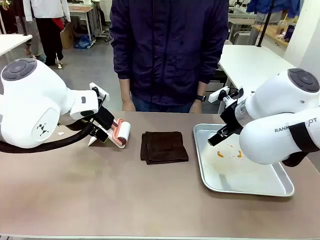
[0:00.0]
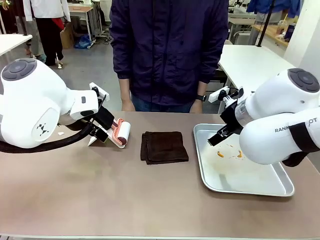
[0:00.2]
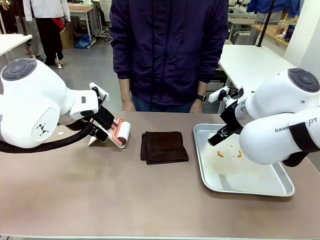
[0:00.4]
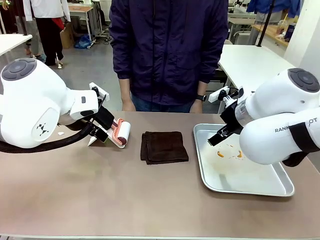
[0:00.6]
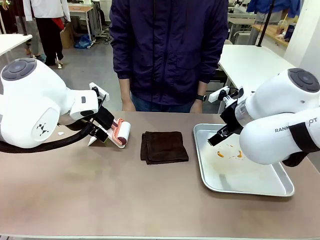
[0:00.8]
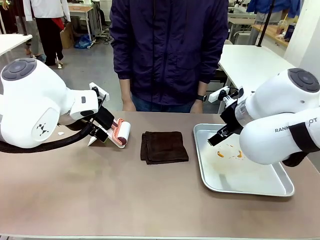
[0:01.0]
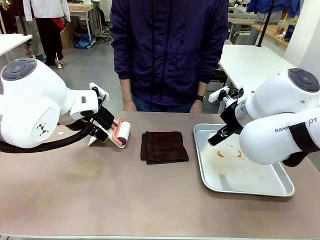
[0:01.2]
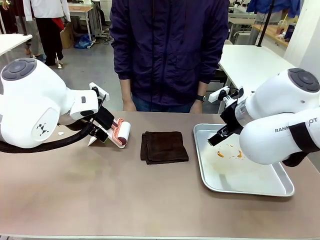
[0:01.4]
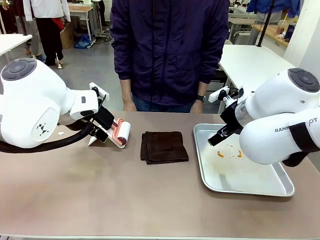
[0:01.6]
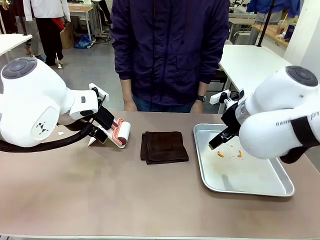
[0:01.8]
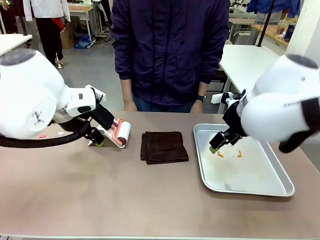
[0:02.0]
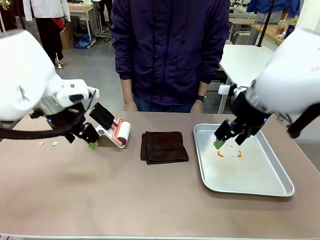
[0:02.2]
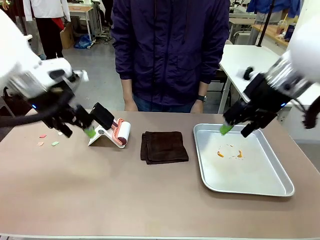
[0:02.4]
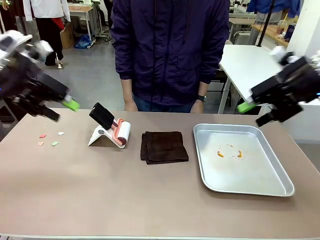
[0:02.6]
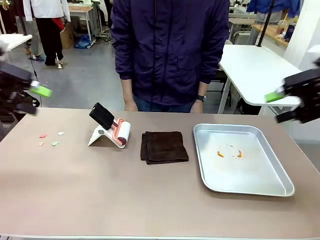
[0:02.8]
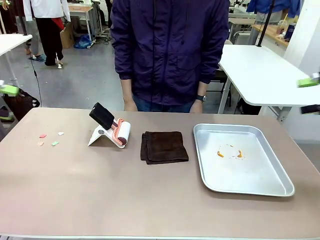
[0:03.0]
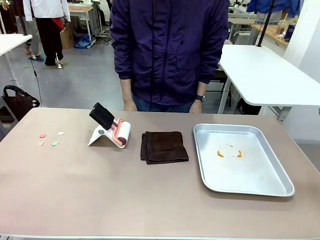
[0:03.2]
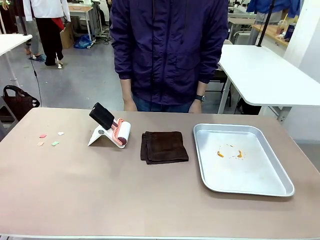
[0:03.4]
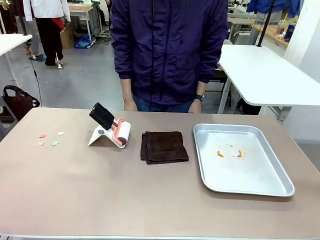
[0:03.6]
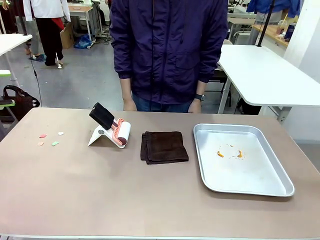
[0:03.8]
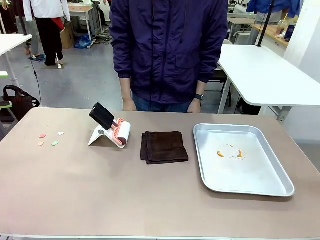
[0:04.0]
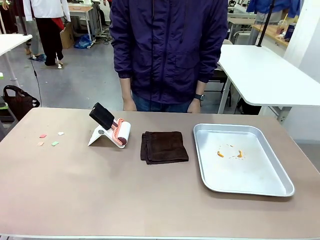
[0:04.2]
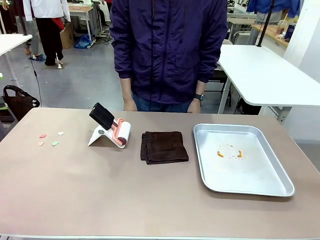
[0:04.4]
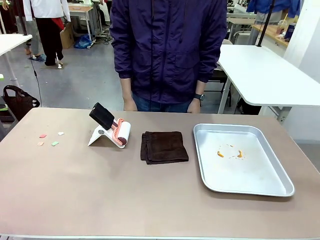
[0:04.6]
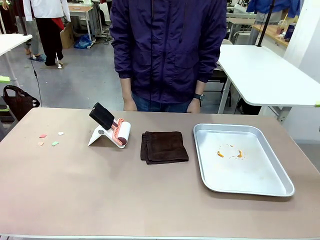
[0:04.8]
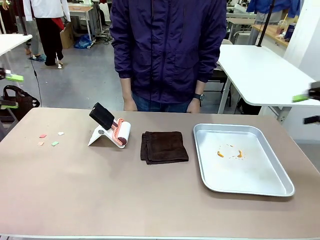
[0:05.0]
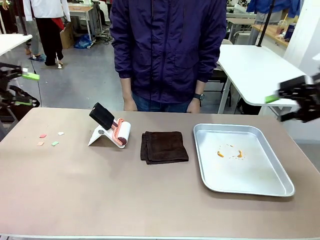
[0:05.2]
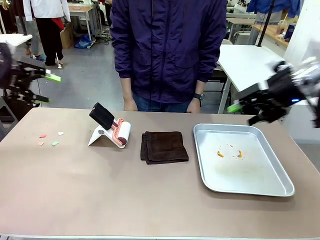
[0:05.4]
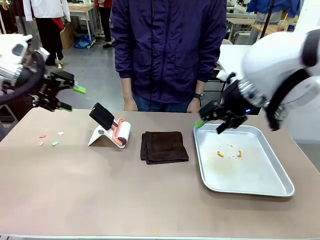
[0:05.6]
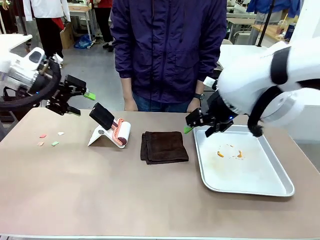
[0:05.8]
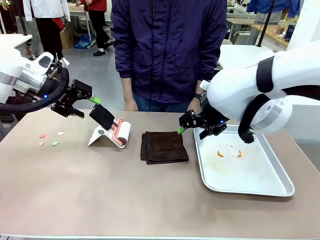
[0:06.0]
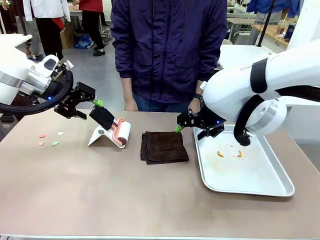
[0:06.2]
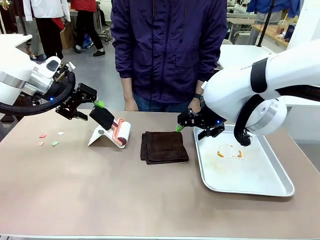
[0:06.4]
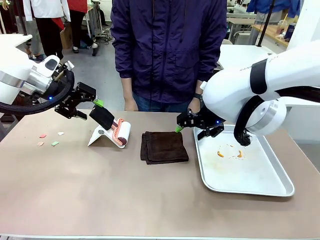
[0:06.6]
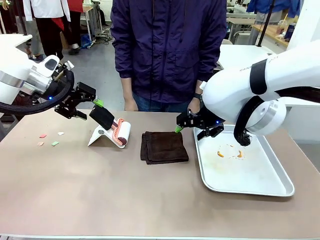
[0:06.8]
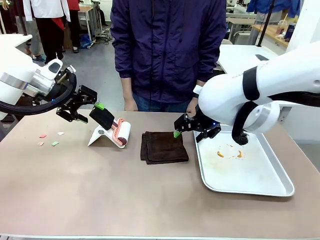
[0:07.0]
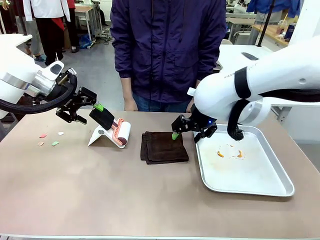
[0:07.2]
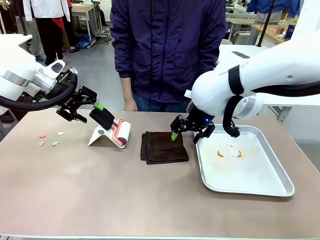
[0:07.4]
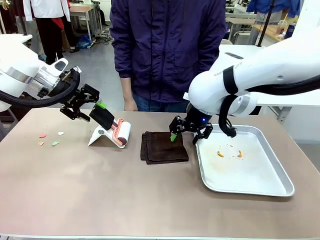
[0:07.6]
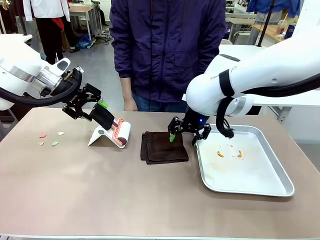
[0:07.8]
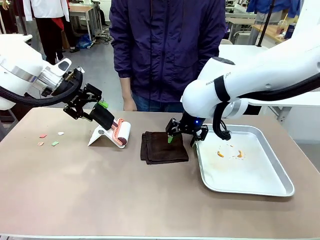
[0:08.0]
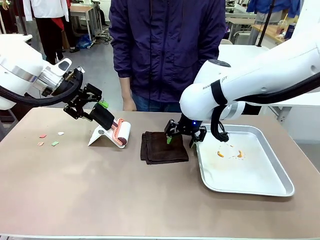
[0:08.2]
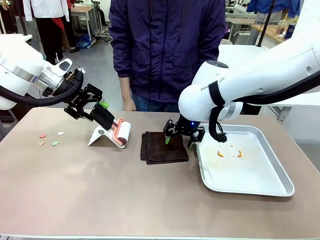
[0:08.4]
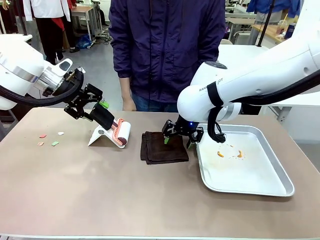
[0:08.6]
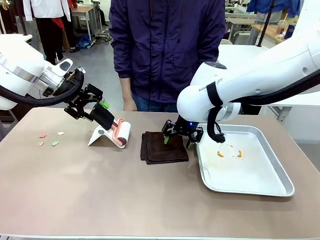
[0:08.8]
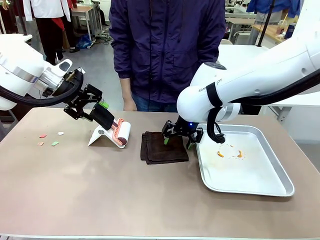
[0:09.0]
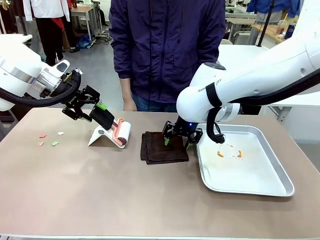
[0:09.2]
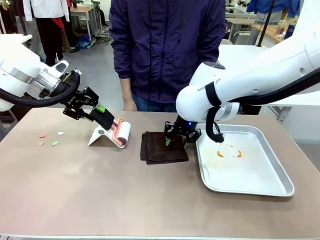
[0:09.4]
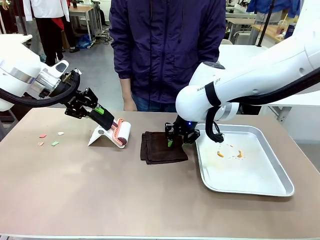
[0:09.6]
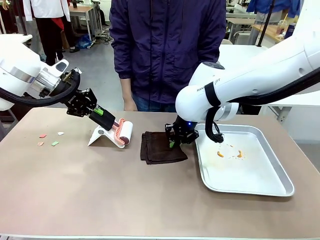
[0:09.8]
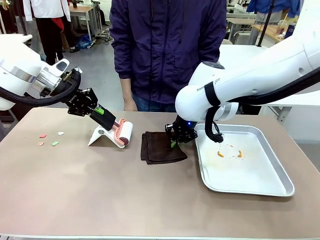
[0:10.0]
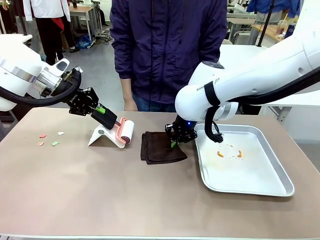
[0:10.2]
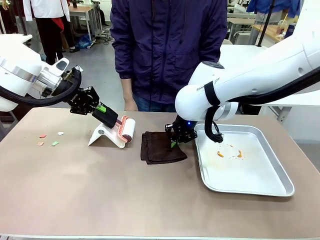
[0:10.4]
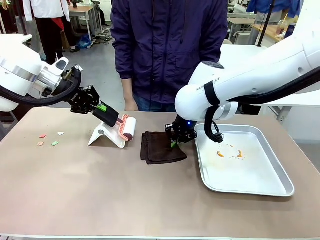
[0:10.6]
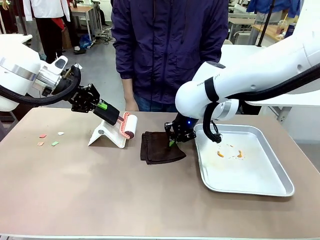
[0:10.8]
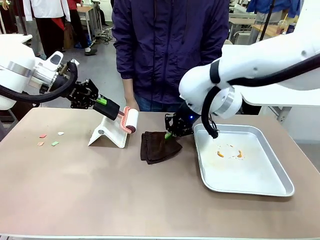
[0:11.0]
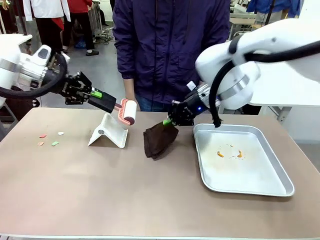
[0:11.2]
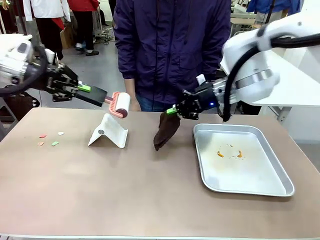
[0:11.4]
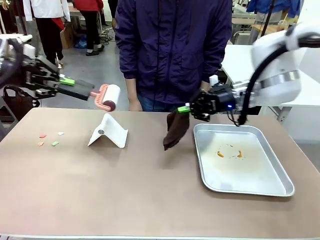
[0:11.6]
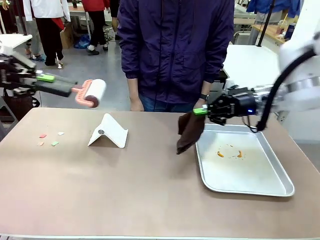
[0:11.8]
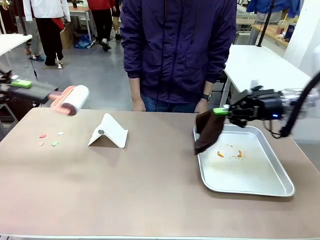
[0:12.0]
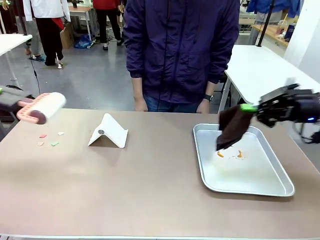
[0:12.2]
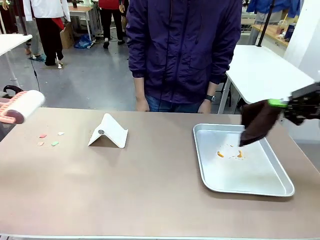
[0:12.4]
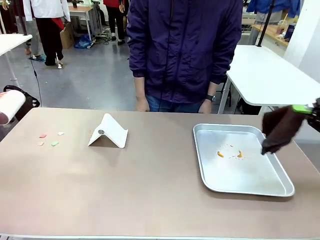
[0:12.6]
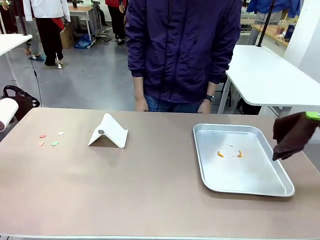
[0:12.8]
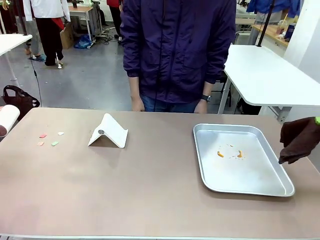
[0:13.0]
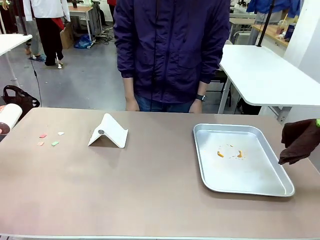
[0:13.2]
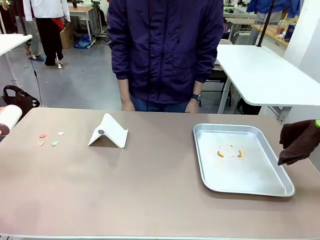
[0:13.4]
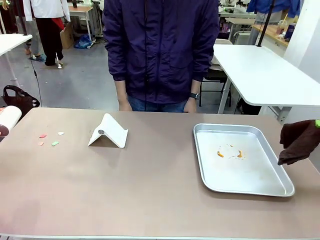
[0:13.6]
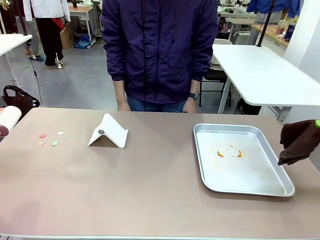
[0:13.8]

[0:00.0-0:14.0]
Task: Clean the surface of the table.
Robot: Hold the Lint Roller with your left hand and the towel with your right hand.

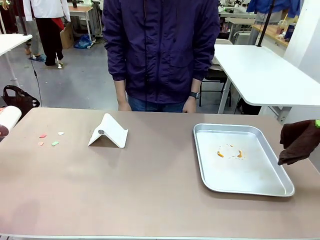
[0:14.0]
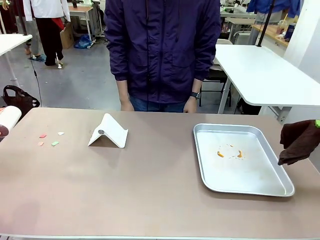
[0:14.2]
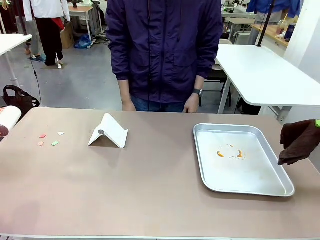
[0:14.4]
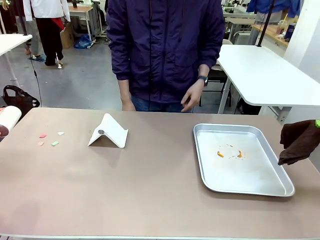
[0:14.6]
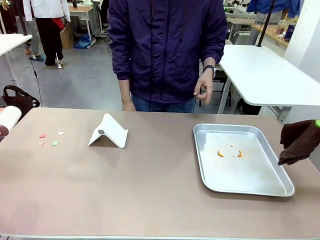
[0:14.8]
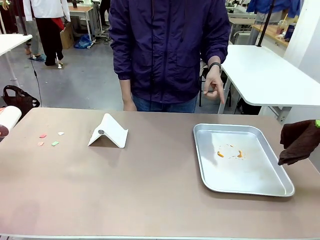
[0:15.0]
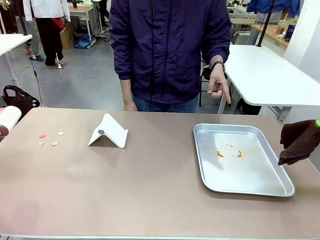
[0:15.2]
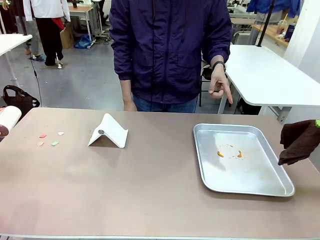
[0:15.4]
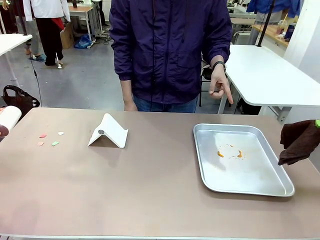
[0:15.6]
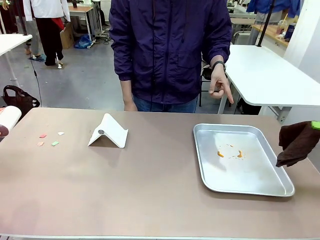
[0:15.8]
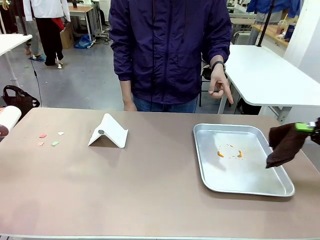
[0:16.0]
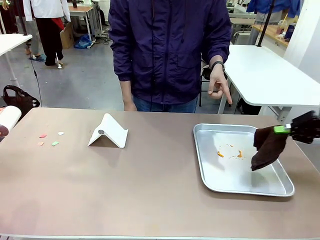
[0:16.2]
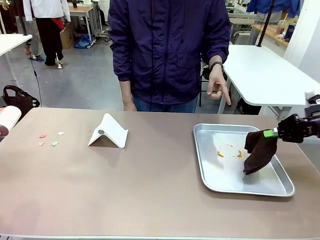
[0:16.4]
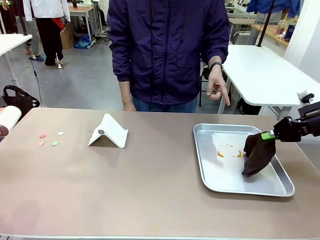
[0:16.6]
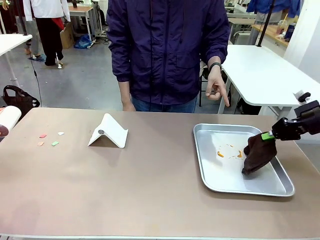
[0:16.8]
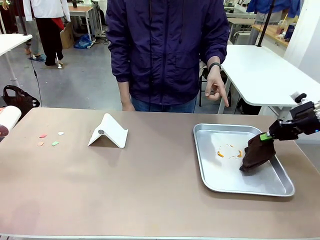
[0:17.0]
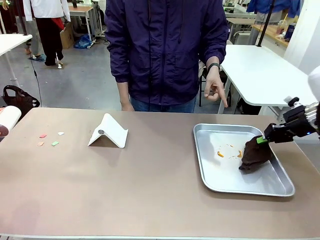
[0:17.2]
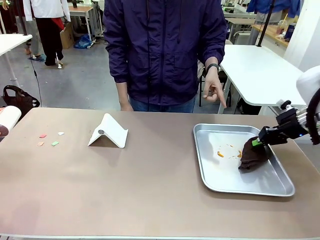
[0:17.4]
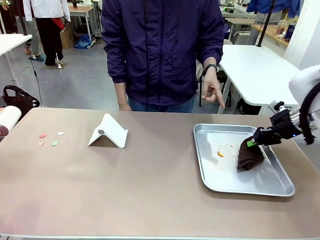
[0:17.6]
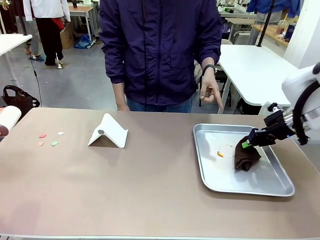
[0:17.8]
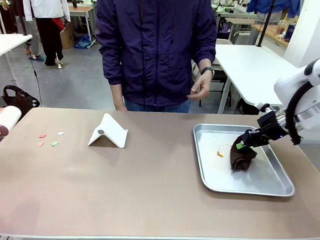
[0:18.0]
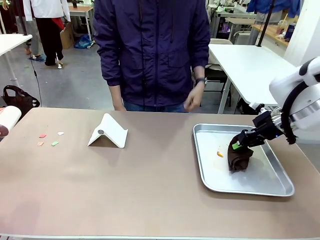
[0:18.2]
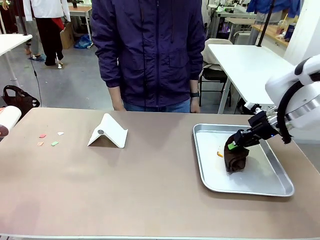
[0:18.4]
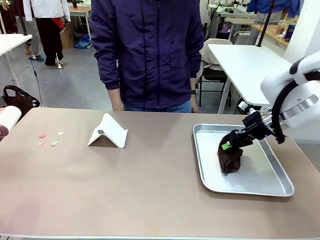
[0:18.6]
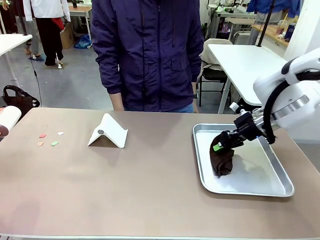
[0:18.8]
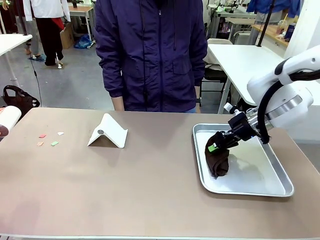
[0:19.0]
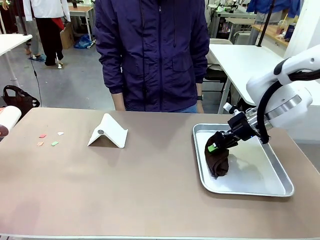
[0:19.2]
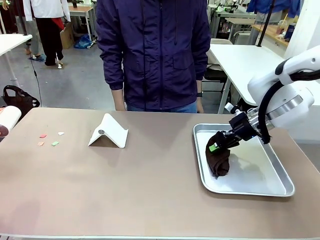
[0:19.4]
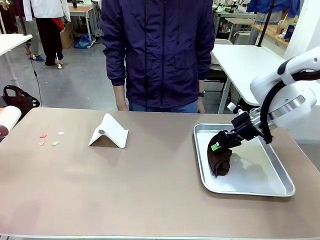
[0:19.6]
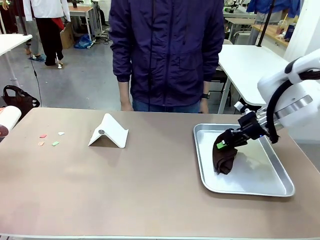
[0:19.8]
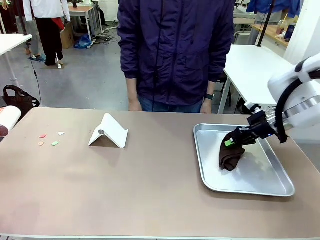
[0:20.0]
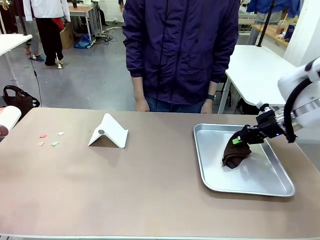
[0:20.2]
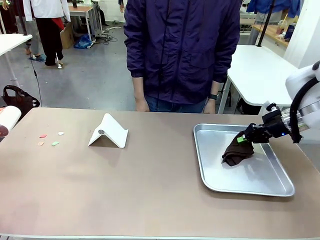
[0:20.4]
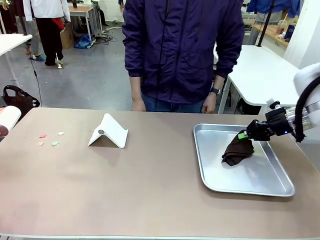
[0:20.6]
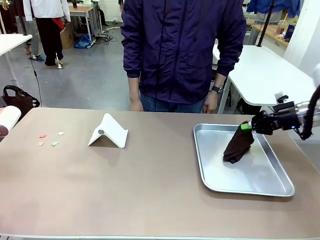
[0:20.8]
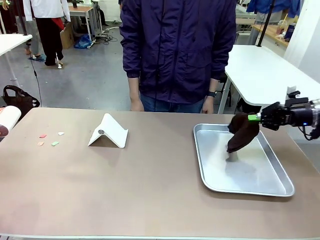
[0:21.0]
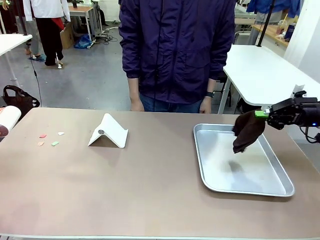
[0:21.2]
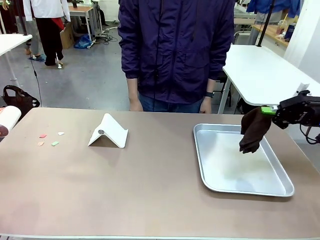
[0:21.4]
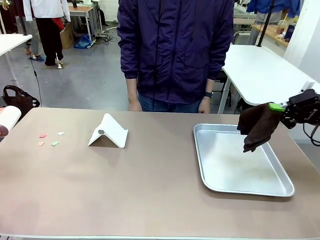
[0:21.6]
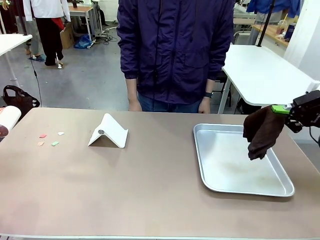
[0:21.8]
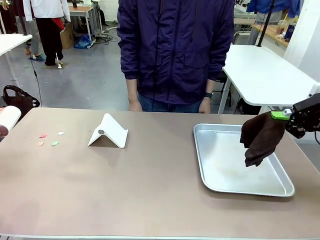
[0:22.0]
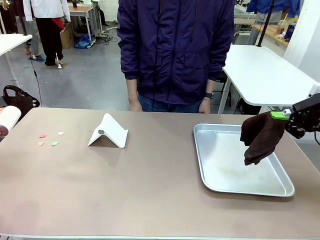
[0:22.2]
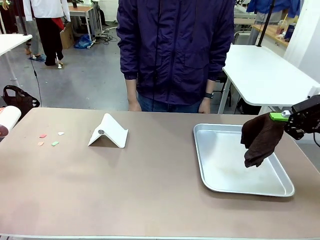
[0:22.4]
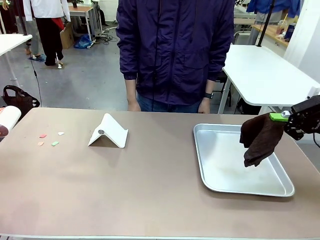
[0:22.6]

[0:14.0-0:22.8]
Robot: If a person points to the right, clean the right side of the table with your right hand, and if they point to the left, clean the left side with your left hand.
